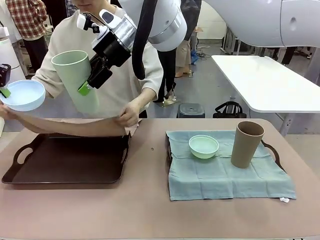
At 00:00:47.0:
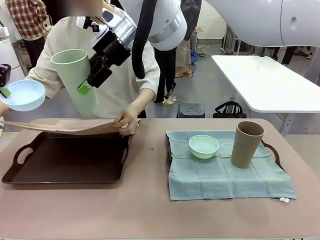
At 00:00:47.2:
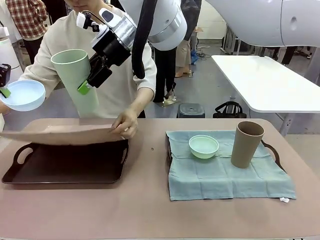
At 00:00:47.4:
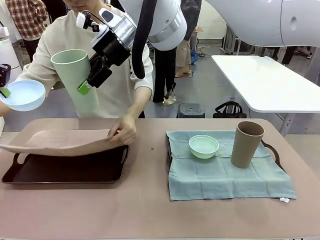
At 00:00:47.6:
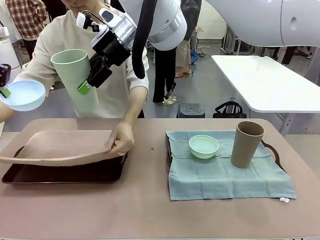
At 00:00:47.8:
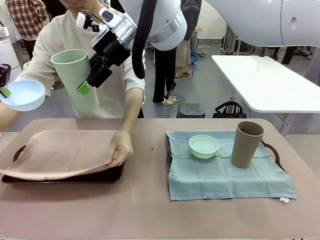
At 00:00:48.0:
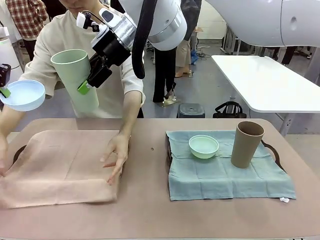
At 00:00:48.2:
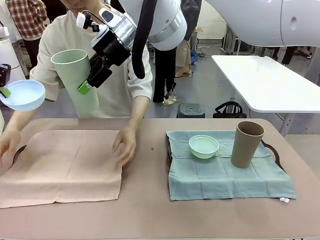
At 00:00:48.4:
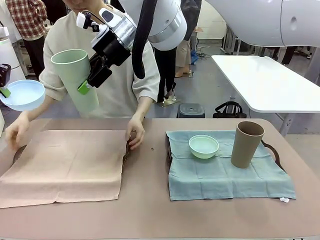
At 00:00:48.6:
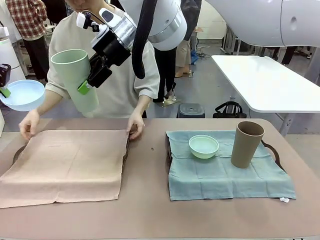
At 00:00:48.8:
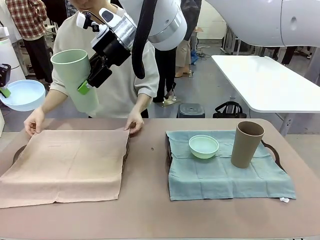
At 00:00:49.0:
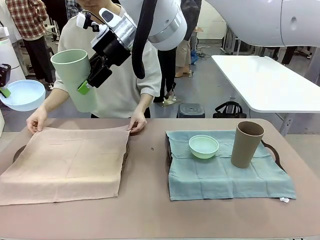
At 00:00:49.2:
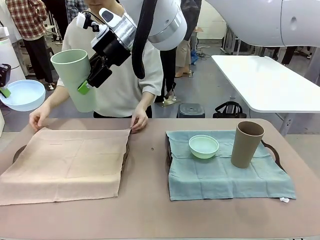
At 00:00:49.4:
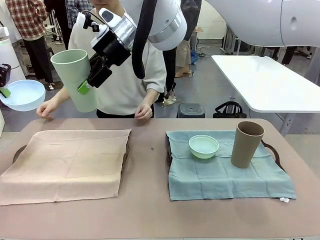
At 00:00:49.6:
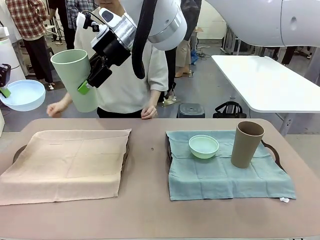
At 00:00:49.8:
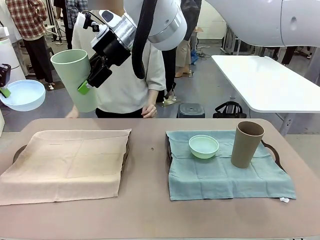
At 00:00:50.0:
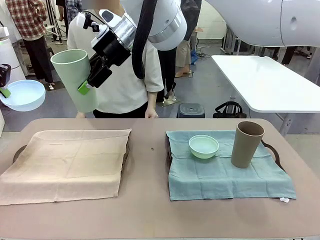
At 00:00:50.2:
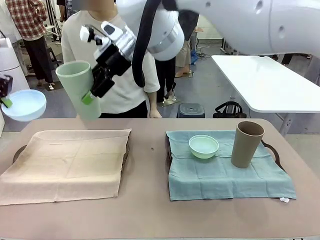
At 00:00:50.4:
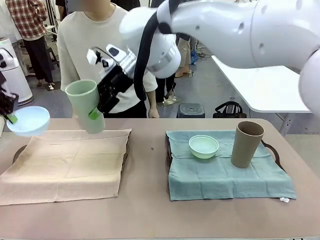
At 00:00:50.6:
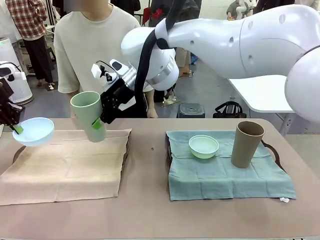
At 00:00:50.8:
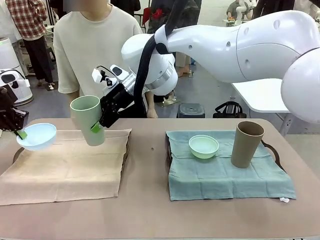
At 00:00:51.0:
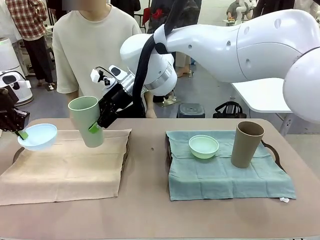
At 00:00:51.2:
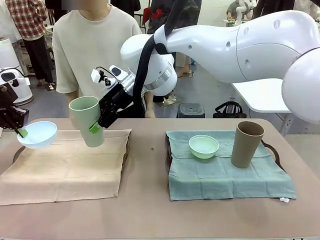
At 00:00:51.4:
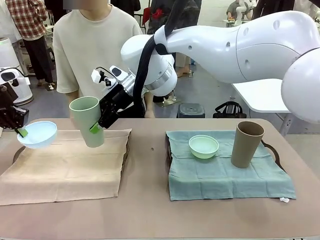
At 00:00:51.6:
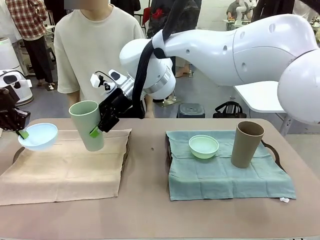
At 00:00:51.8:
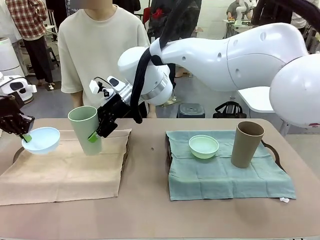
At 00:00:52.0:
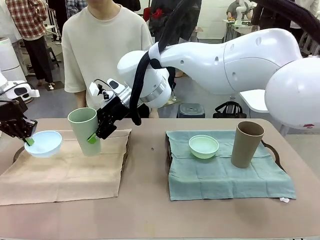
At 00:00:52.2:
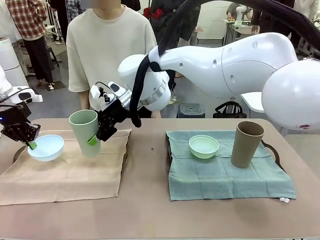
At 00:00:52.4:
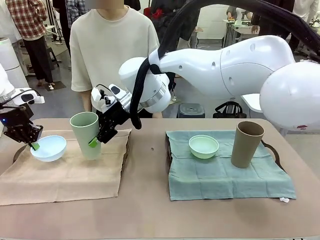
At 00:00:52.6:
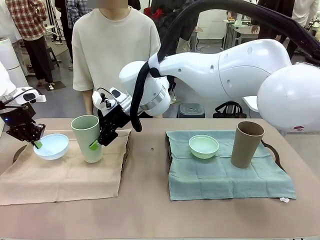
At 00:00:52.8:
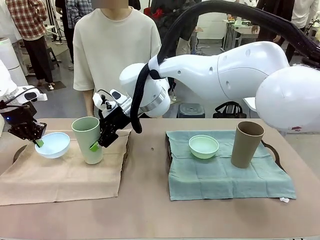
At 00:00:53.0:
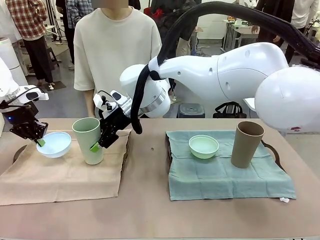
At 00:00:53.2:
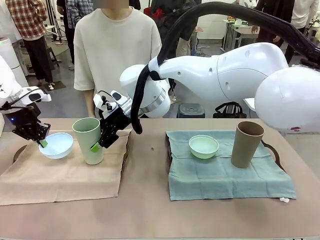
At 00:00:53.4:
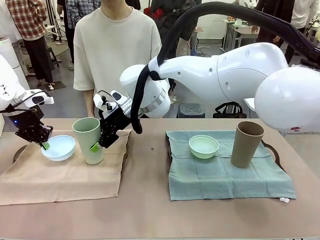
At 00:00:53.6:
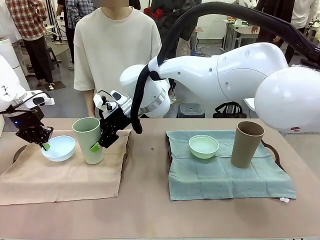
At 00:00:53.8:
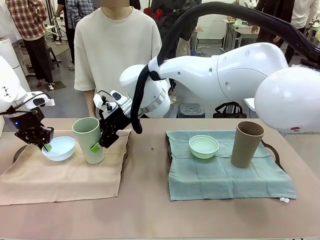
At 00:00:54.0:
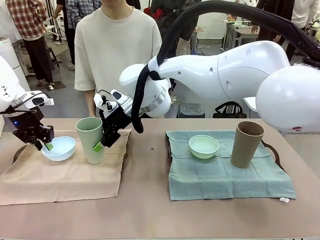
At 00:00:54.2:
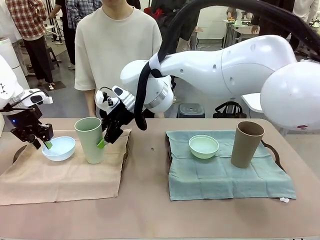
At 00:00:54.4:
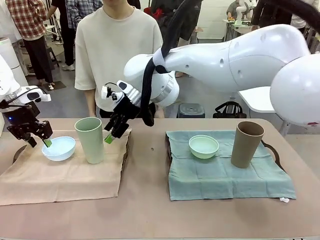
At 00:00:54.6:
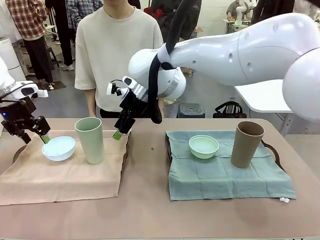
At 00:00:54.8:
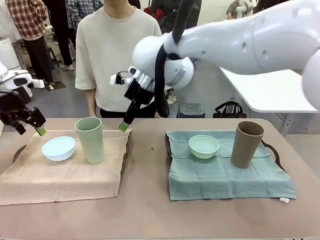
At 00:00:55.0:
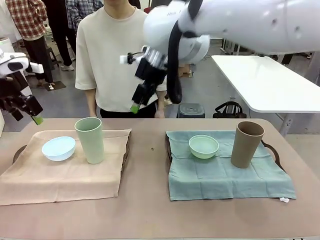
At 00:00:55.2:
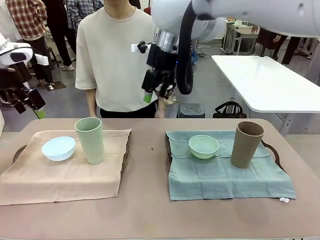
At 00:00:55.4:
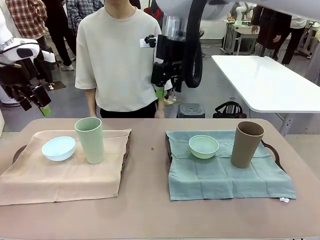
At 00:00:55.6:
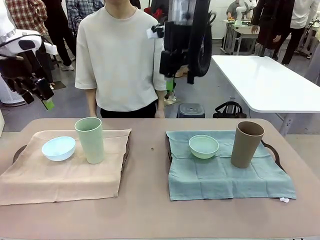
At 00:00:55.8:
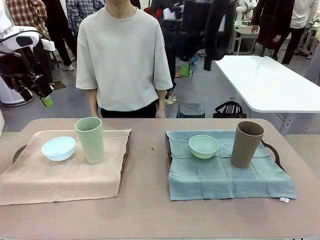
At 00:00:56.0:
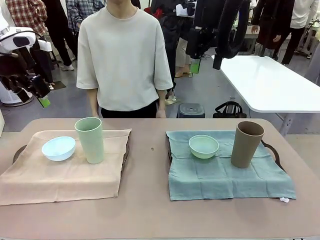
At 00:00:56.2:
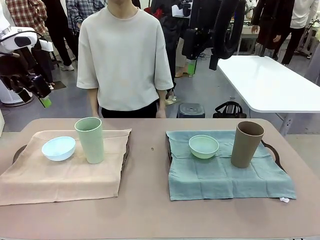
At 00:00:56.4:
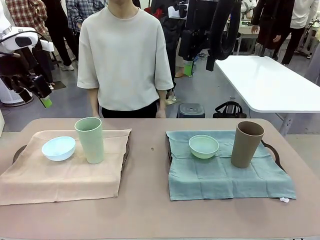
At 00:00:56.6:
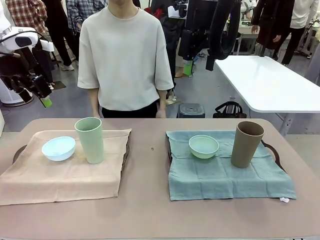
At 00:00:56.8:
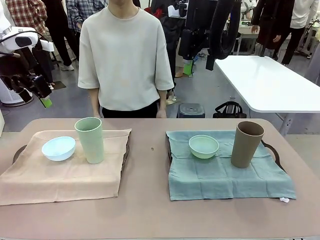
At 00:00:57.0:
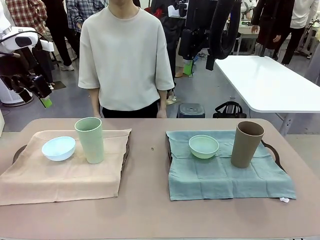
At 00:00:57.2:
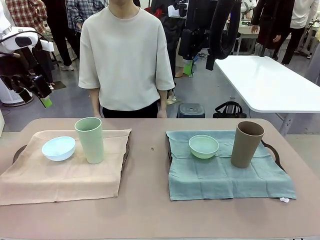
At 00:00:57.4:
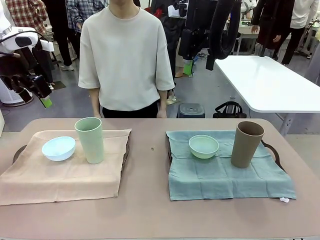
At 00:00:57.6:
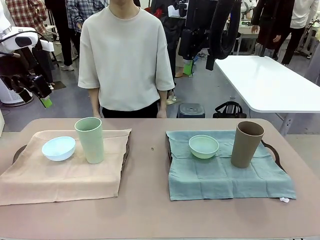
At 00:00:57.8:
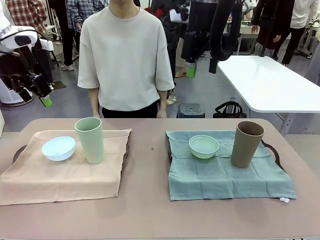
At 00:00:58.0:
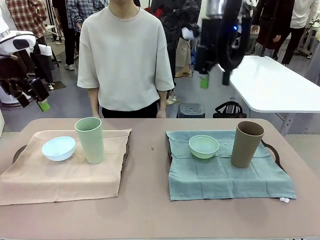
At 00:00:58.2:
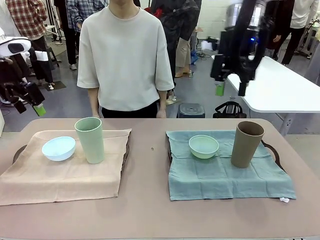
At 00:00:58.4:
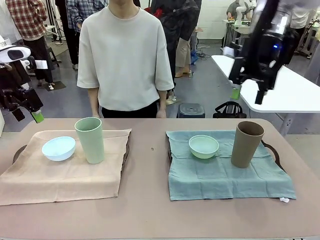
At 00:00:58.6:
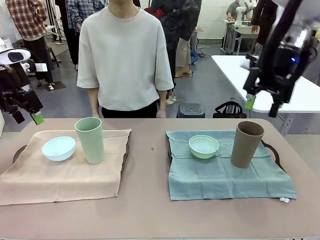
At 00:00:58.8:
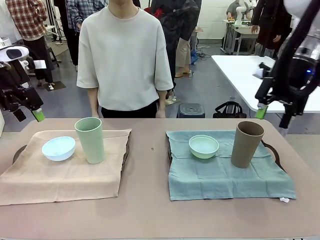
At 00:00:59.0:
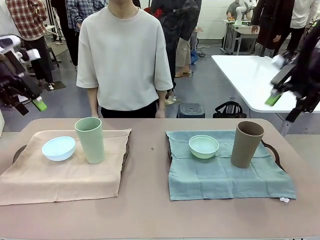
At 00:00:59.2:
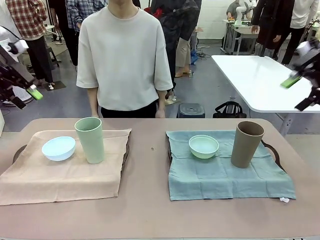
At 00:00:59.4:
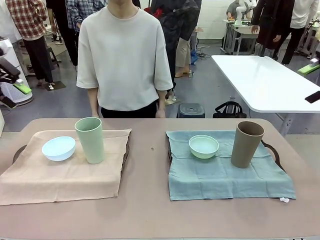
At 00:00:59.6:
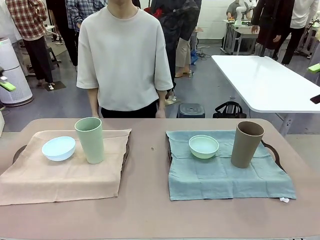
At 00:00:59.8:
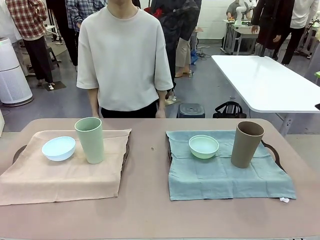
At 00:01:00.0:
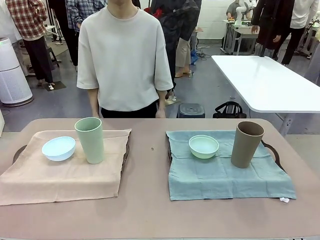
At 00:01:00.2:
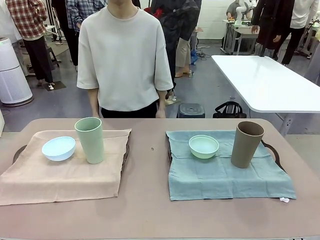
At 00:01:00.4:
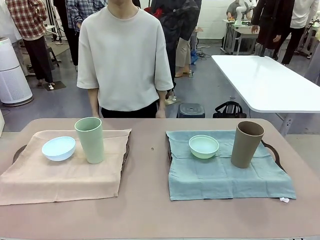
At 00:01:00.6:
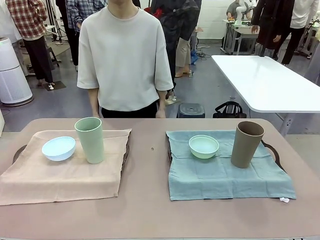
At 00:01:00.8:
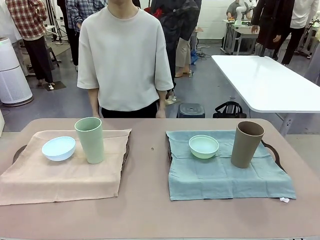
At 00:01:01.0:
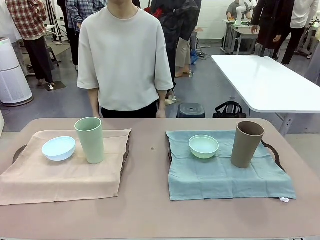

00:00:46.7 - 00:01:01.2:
Robot: Place the Picnic Bowl and Reusable plastic cup back onto the Handle tray in front of the human's position.
Person: When the robot lifts the bowl and the cup, the human unfolds the napkin and lays the napkin flat on the tray.
